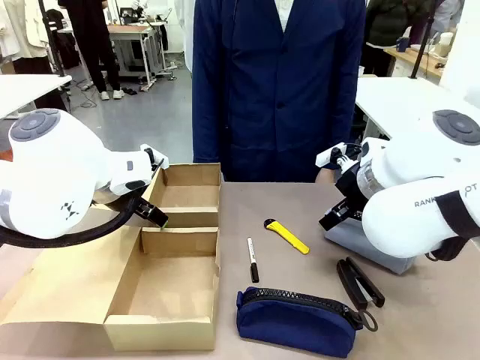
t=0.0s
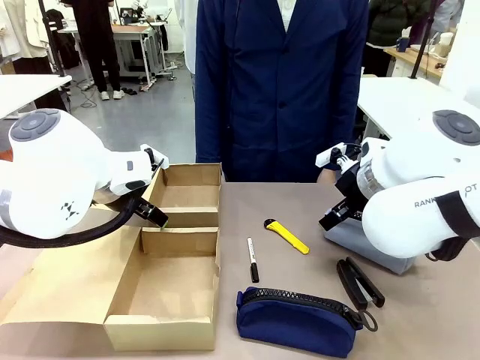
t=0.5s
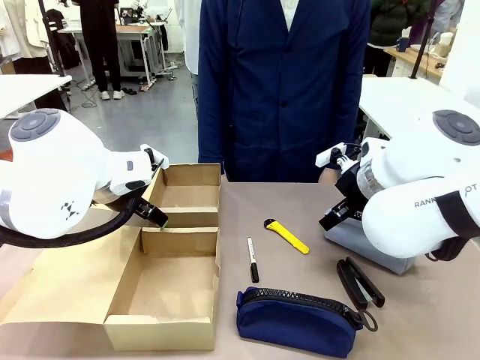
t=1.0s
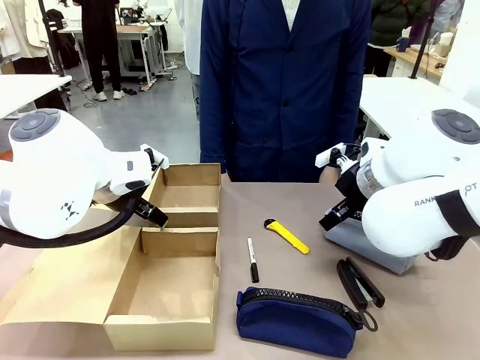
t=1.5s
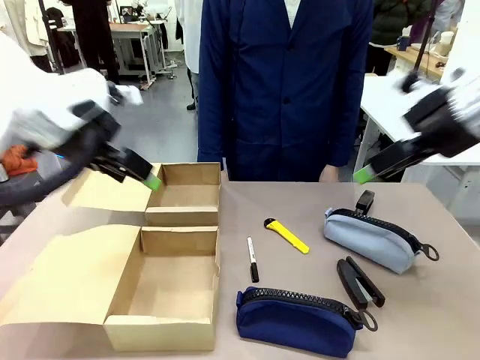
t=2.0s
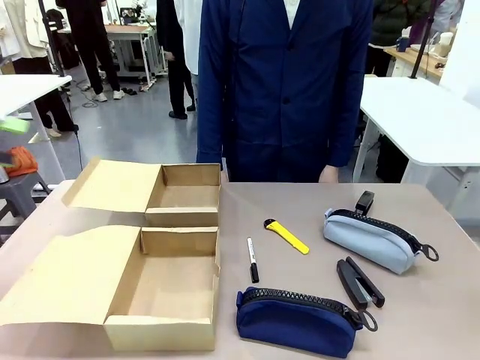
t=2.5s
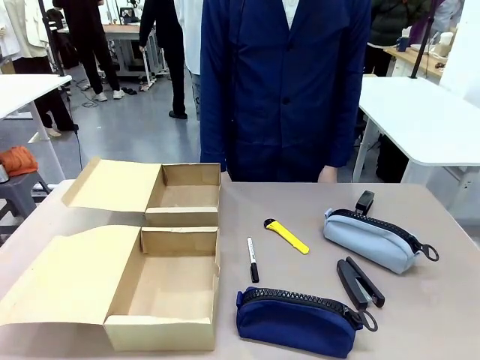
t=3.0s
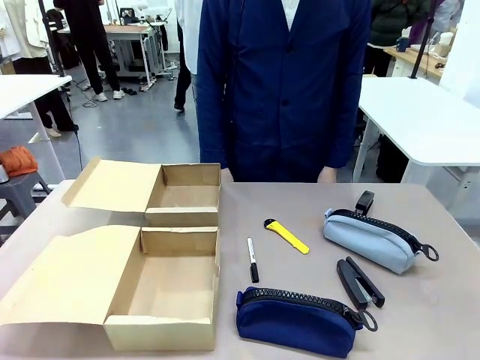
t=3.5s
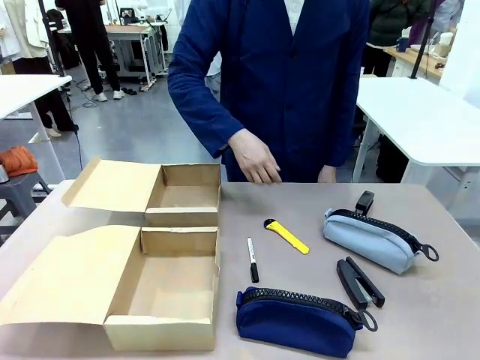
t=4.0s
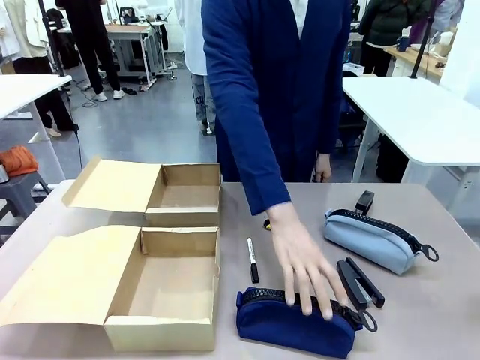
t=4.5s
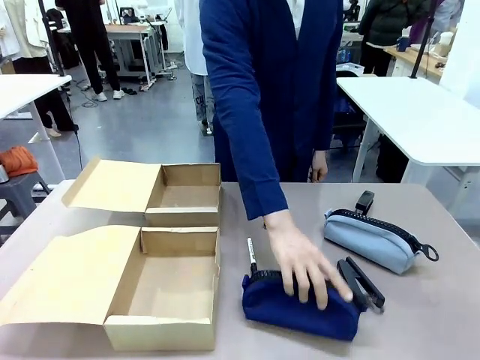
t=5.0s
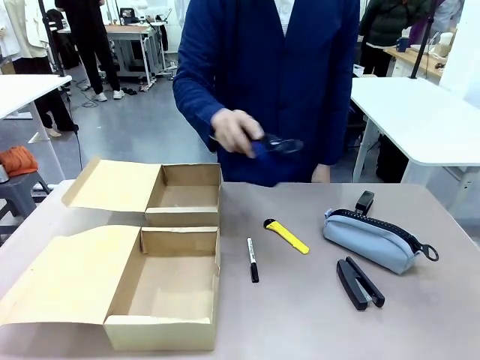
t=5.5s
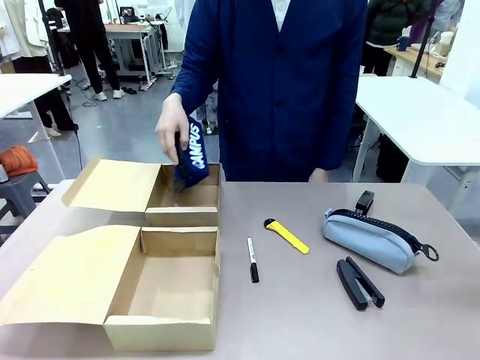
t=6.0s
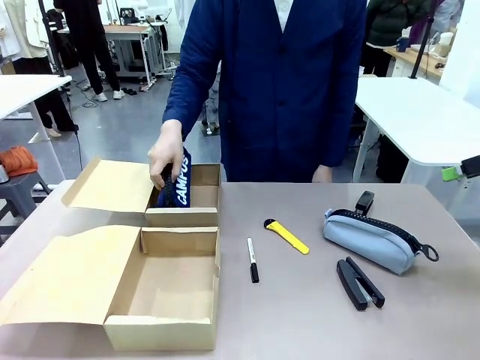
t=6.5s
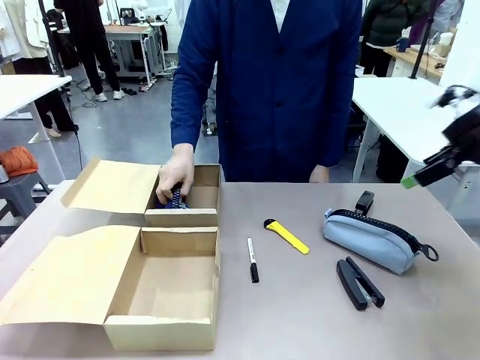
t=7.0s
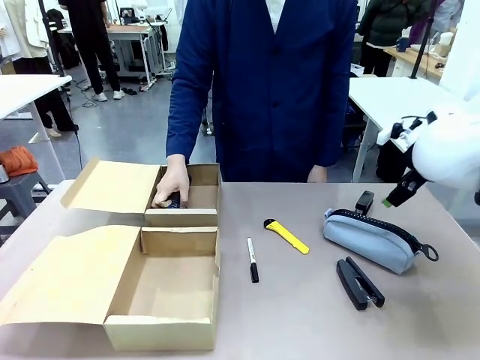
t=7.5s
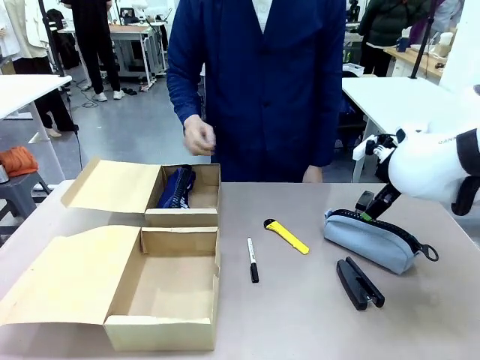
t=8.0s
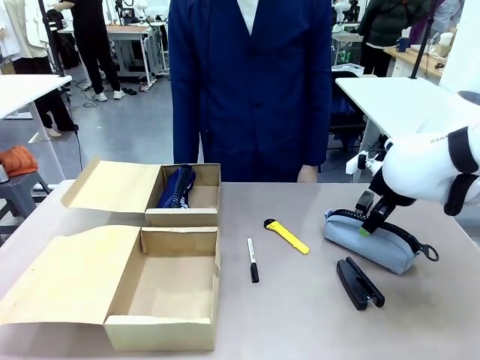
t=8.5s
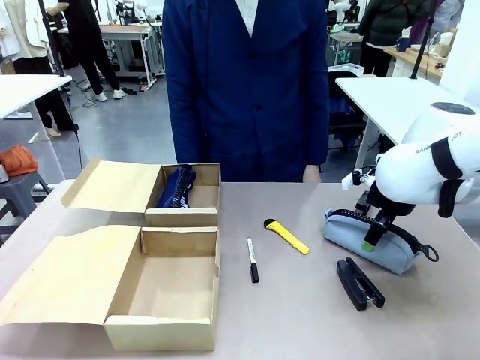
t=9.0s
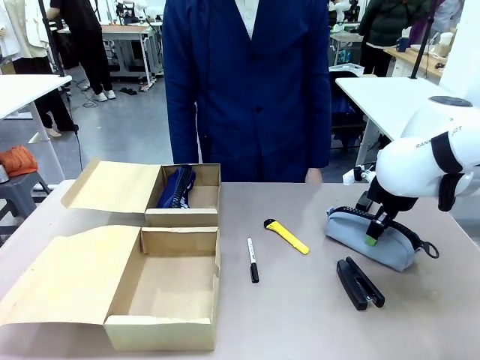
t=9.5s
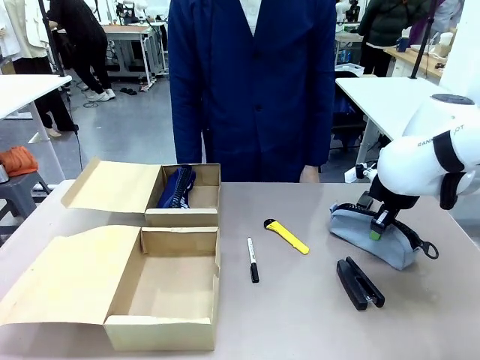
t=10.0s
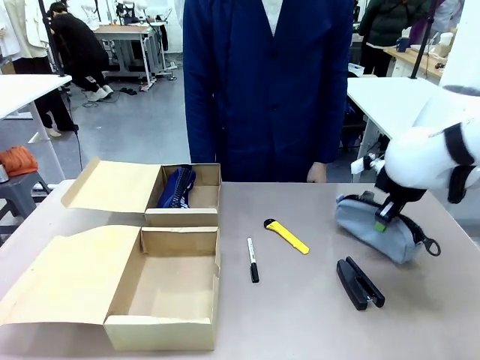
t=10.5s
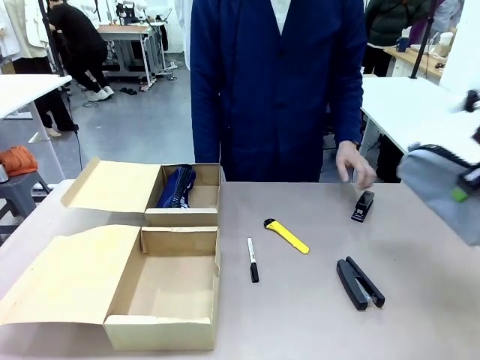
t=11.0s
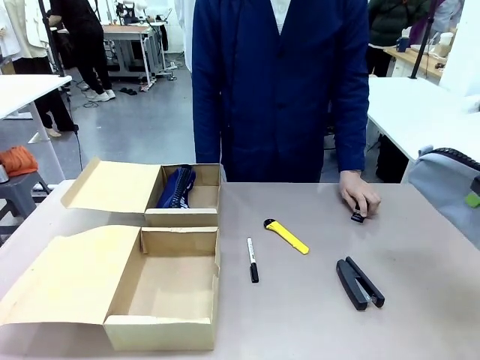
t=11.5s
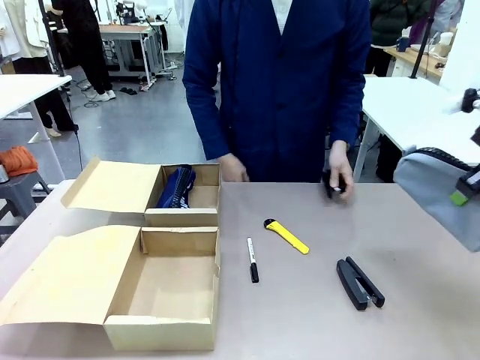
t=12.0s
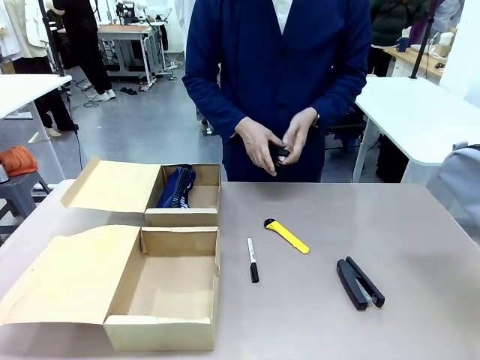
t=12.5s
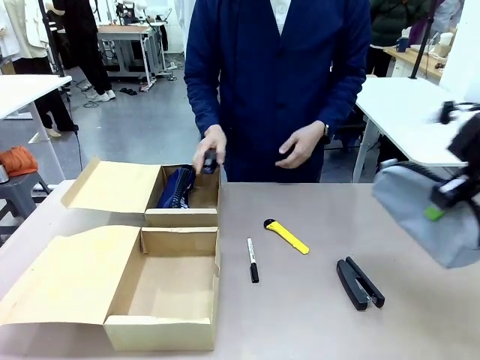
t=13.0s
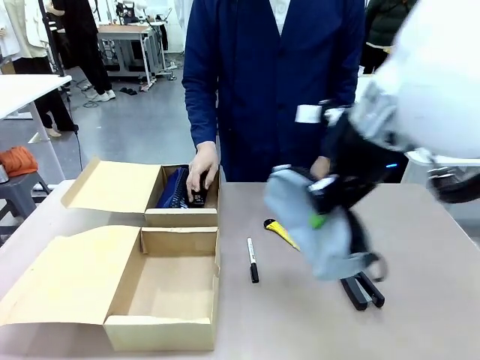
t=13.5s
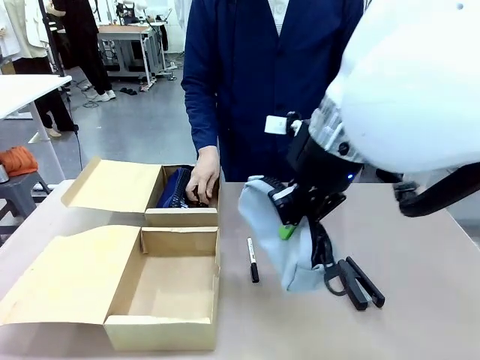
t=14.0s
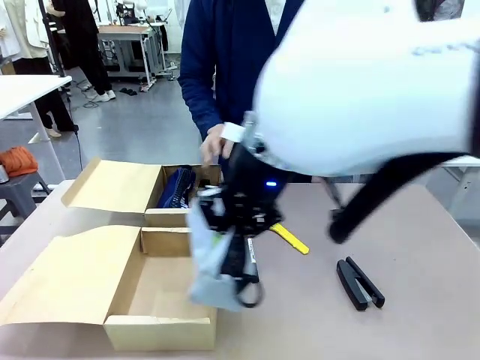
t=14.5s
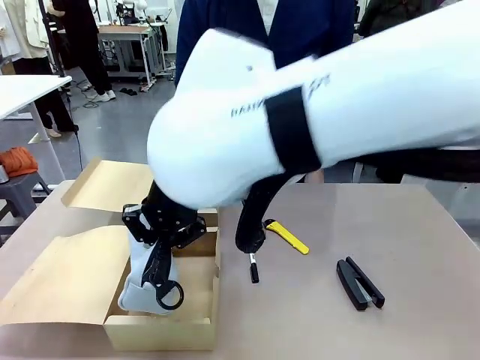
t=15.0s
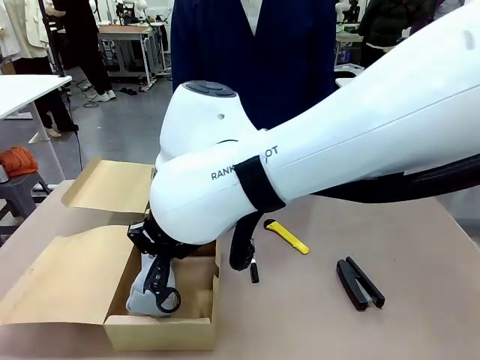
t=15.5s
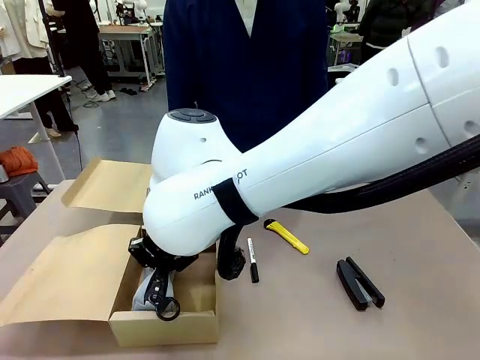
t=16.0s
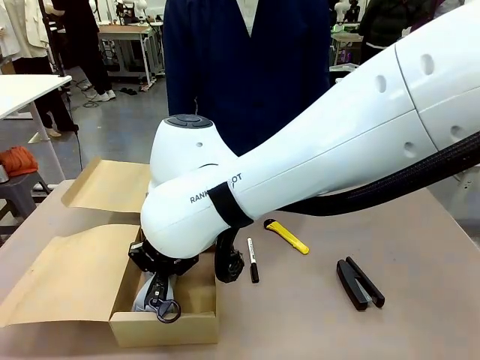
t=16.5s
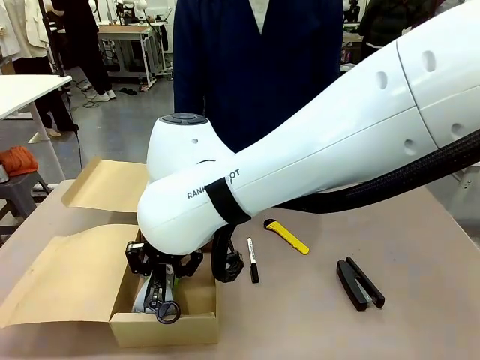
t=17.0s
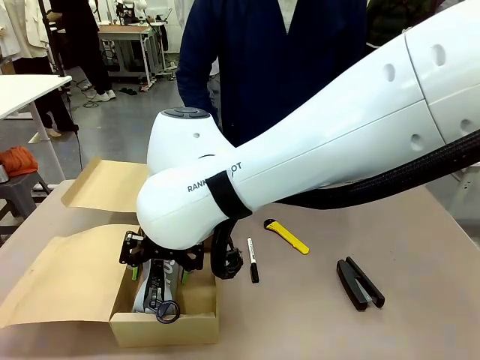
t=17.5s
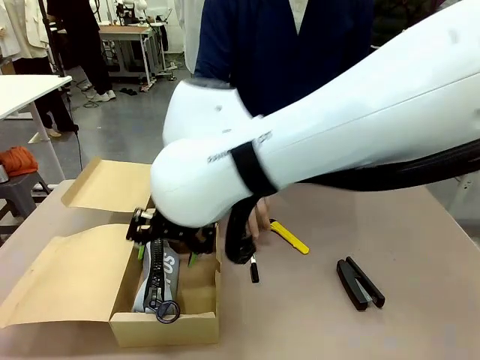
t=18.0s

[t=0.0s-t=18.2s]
Task: Place items inside the box.
Robot: Pick up a Pencil pouch or Stapler and place it inside the Mailer Box closest to the robot.
Person: Pick up an object on the table and put it in the box.

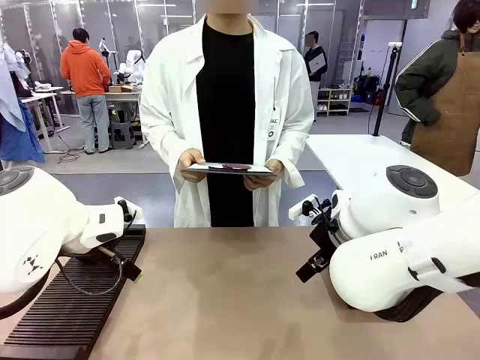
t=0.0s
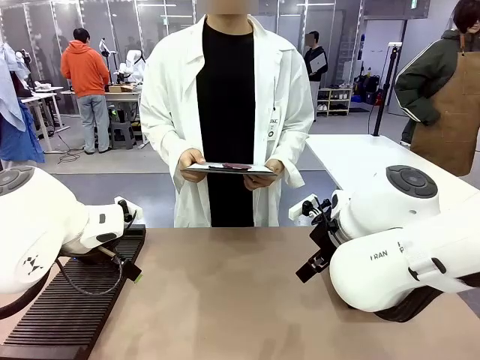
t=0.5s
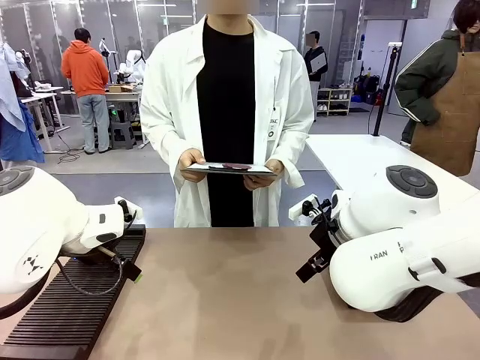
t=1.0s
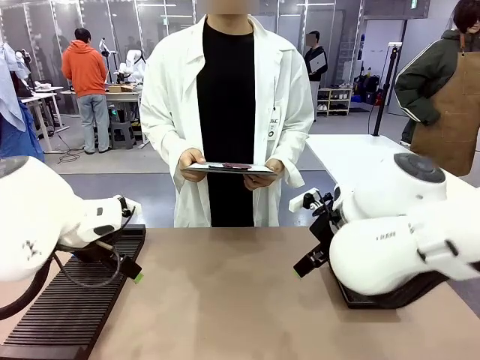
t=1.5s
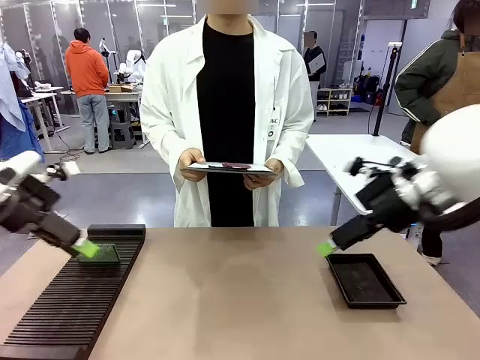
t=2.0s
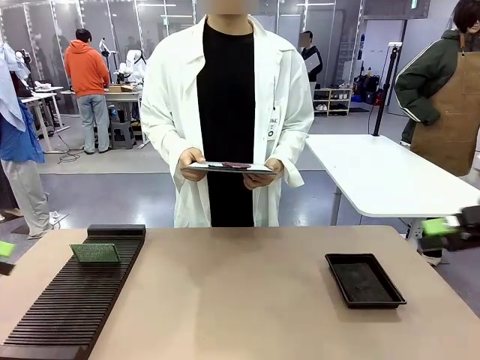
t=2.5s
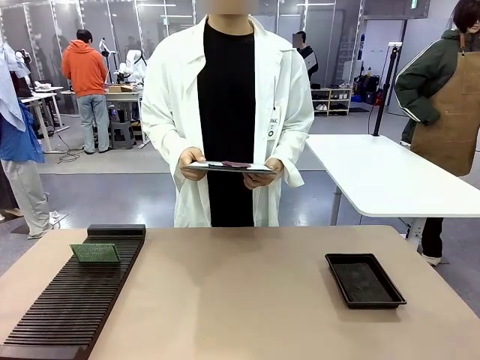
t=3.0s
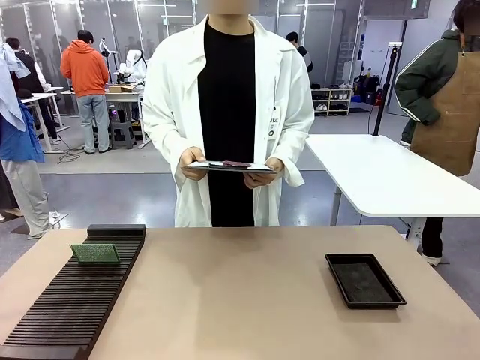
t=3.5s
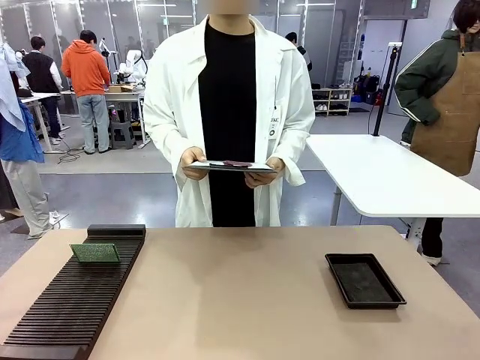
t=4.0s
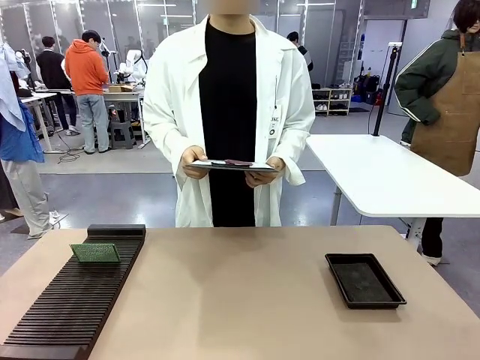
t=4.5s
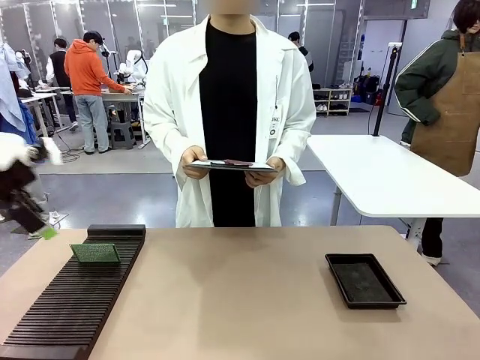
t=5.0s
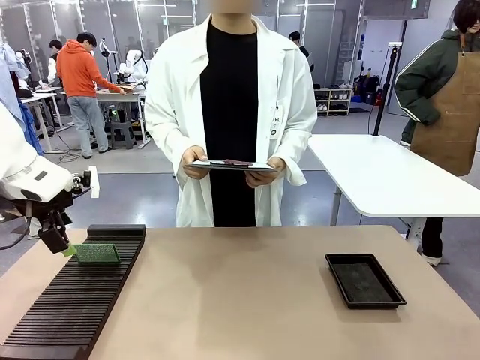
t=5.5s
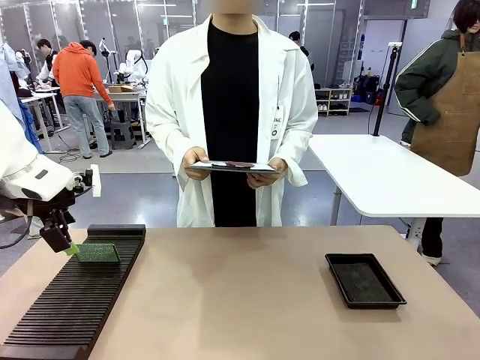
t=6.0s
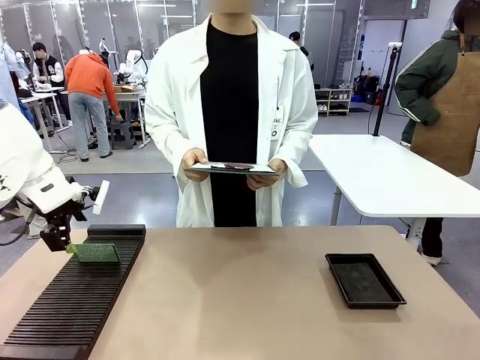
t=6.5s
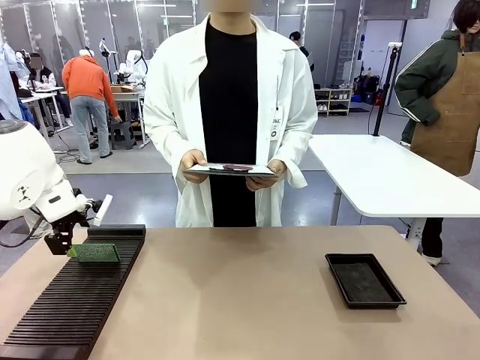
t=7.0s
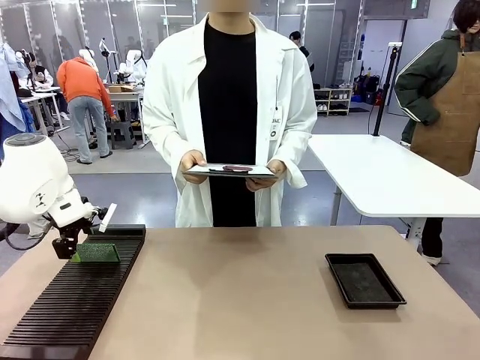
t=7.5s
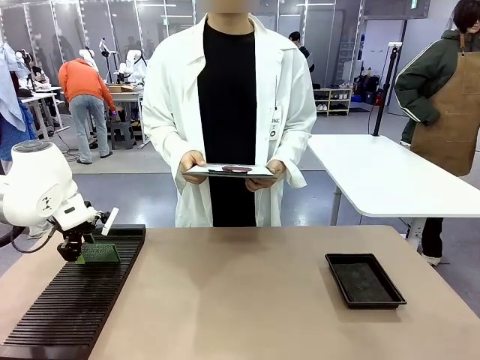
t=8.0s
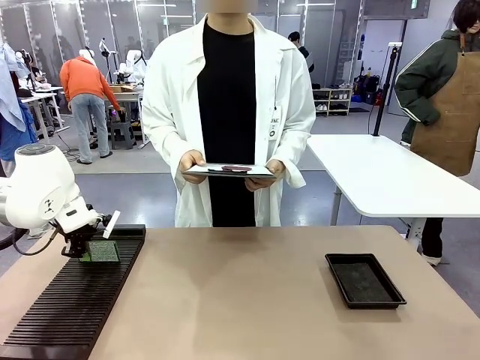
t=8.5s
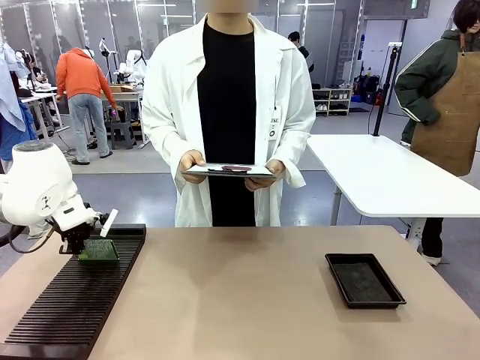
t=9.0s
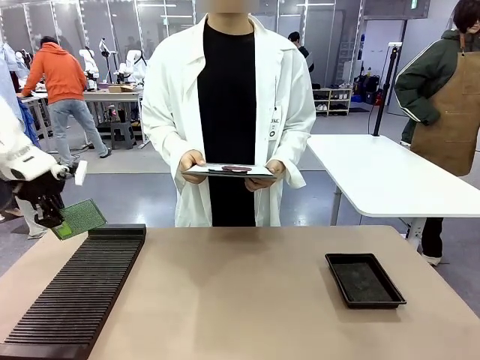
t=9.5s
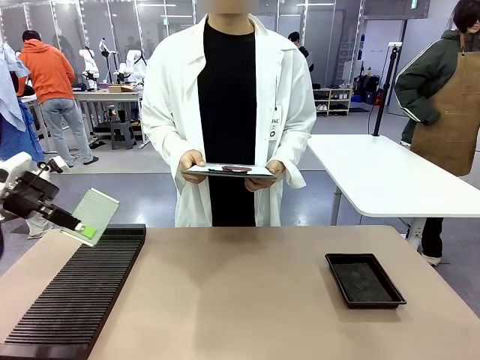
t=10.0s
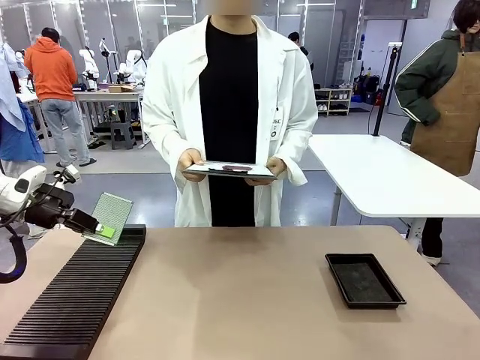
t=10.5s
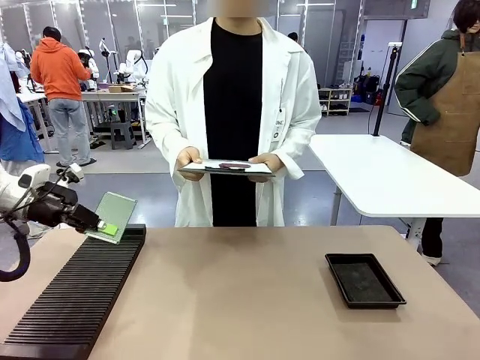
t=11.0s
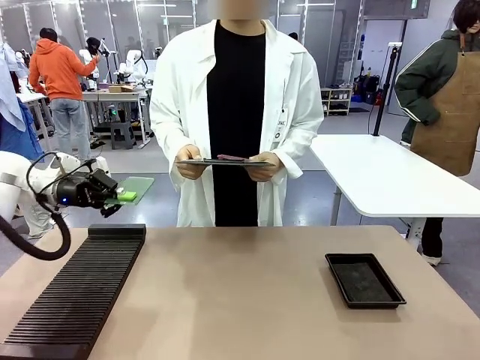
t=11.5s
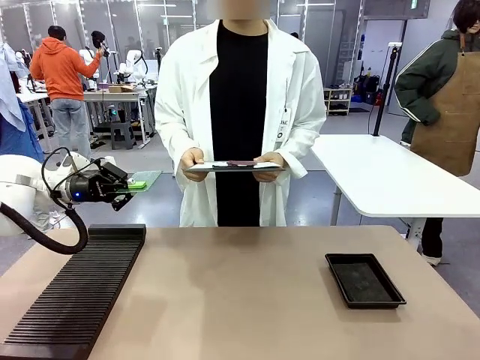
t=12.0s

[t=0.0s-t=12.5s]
Task: Inspect the PCB.
Robot: Pick up the Blank PCB and present it to the human.
Person: Pick up the PCB presented by the robot.
